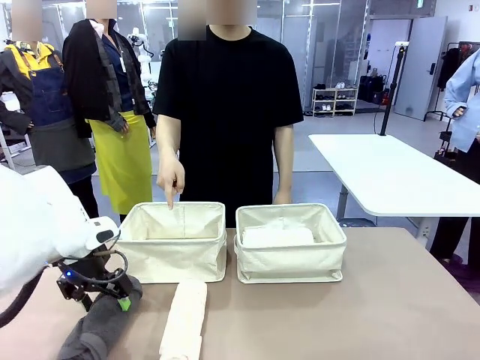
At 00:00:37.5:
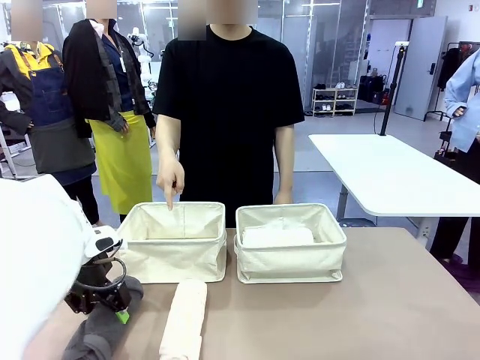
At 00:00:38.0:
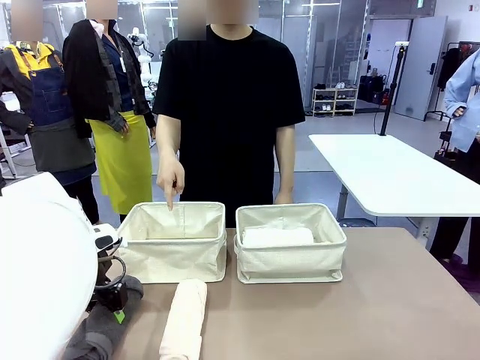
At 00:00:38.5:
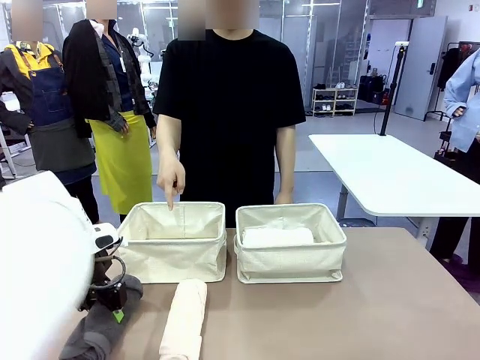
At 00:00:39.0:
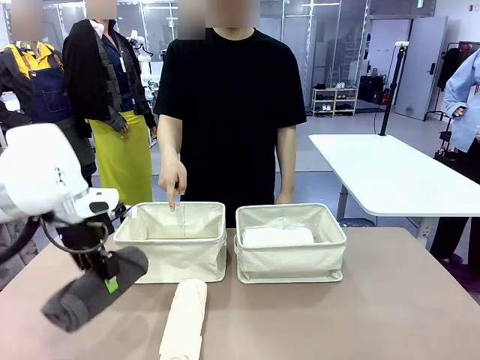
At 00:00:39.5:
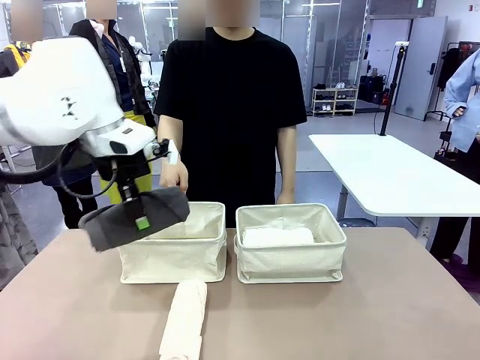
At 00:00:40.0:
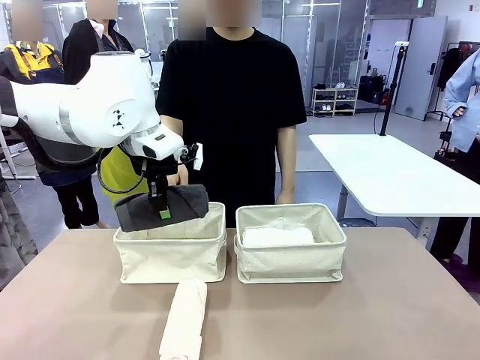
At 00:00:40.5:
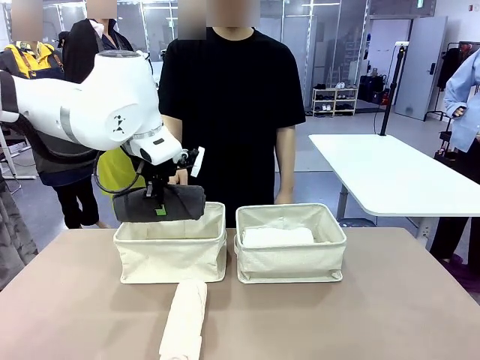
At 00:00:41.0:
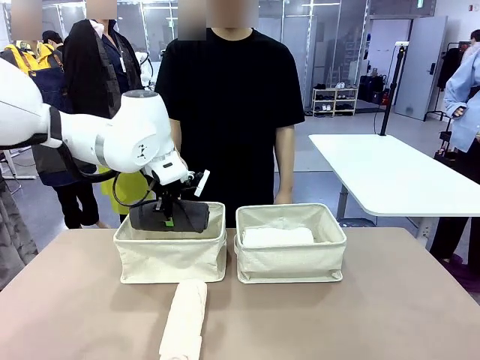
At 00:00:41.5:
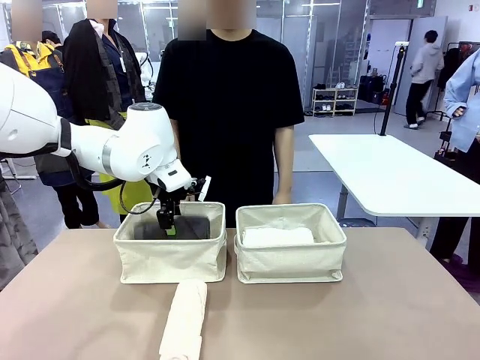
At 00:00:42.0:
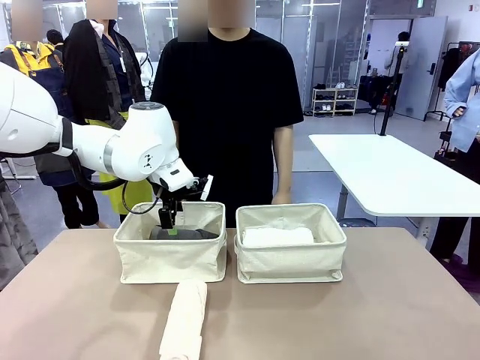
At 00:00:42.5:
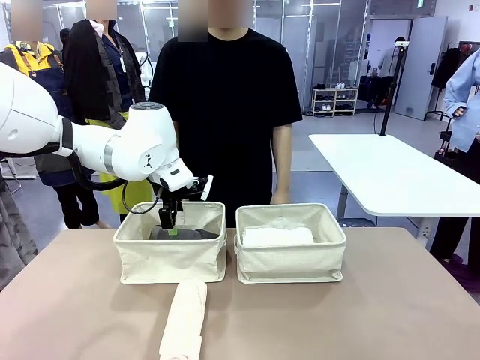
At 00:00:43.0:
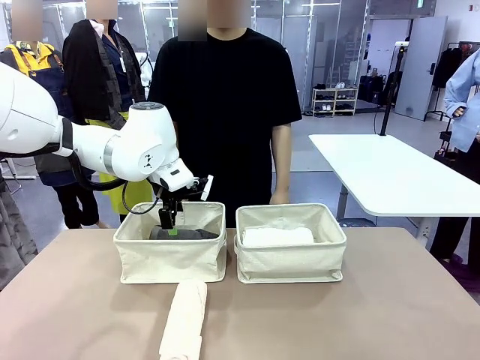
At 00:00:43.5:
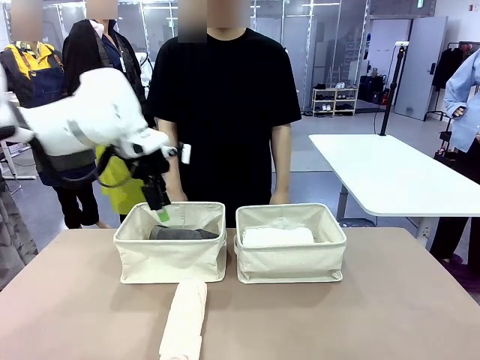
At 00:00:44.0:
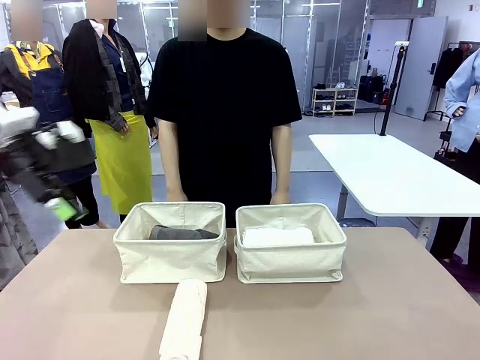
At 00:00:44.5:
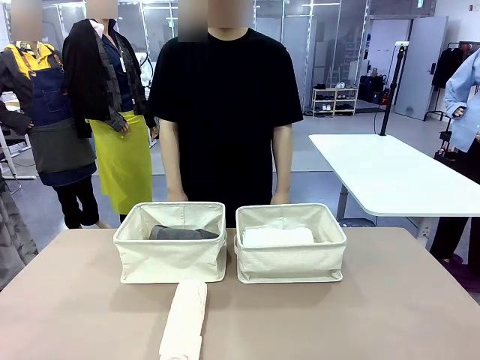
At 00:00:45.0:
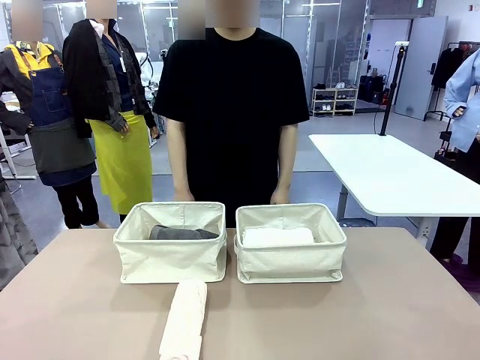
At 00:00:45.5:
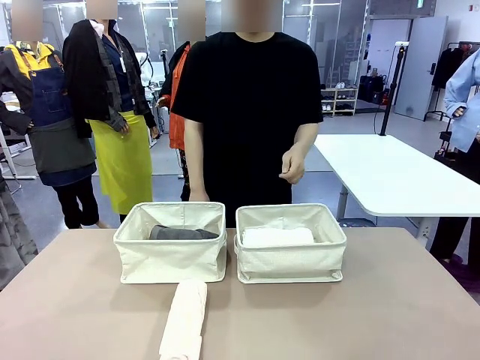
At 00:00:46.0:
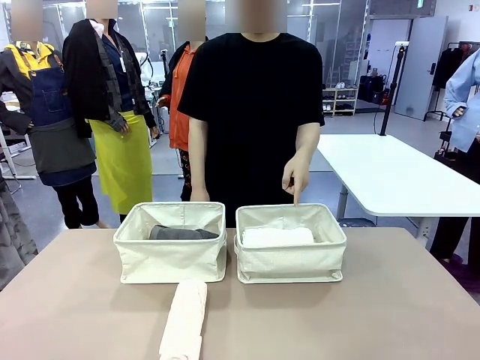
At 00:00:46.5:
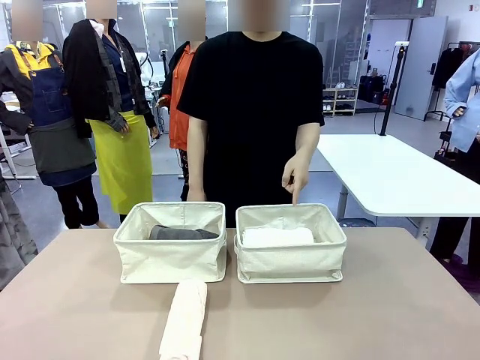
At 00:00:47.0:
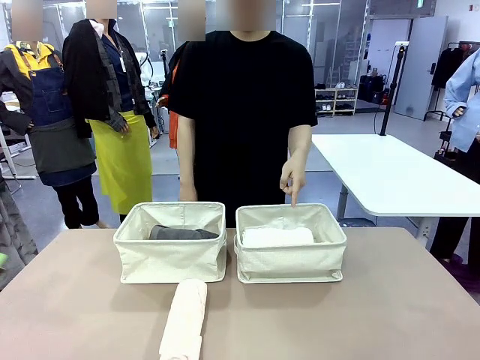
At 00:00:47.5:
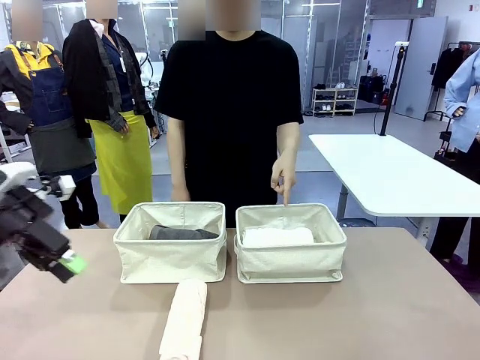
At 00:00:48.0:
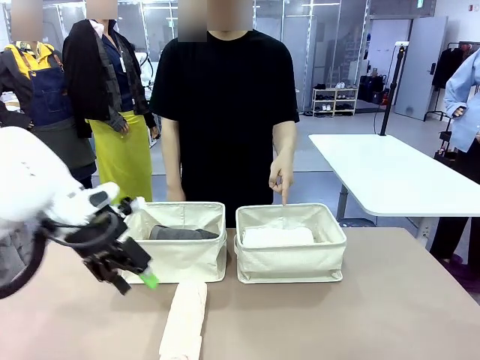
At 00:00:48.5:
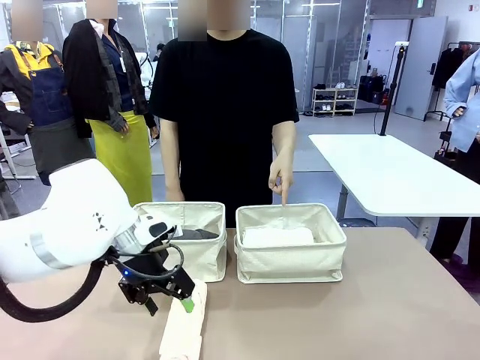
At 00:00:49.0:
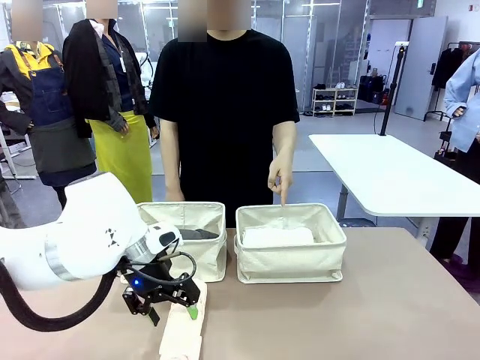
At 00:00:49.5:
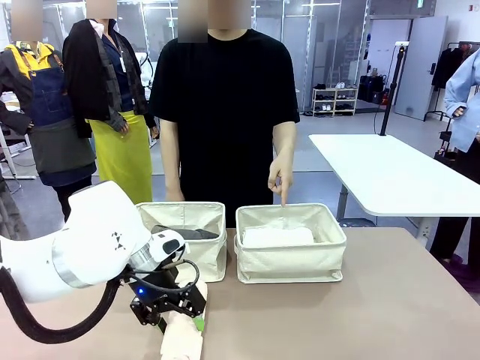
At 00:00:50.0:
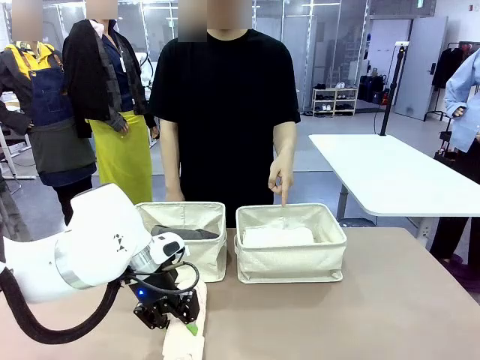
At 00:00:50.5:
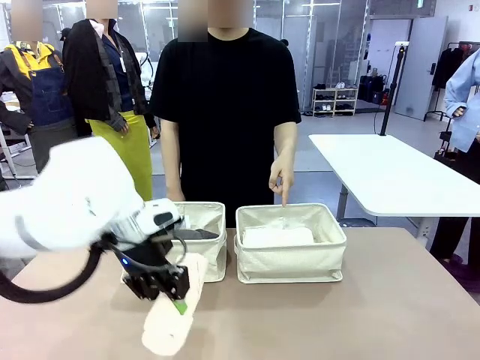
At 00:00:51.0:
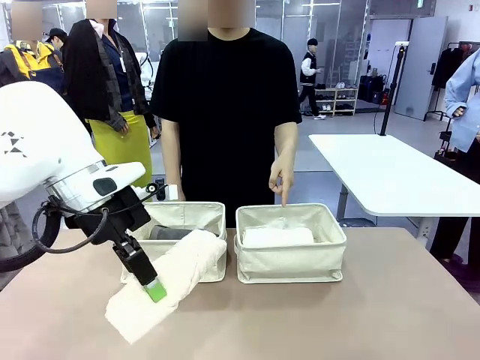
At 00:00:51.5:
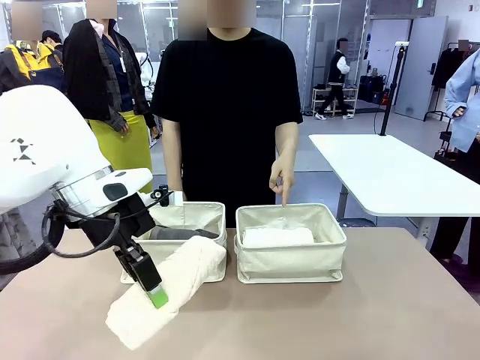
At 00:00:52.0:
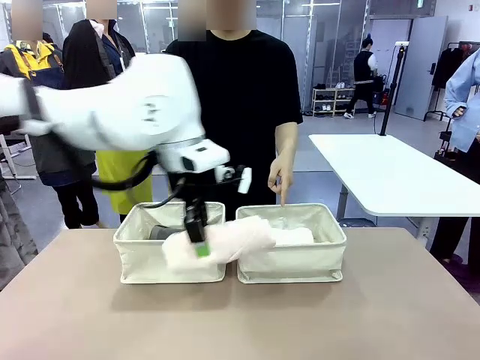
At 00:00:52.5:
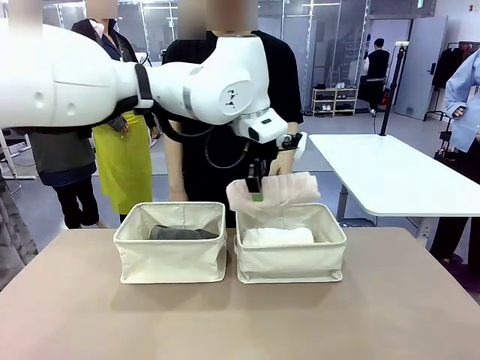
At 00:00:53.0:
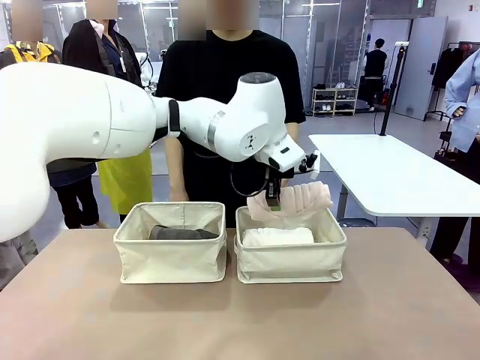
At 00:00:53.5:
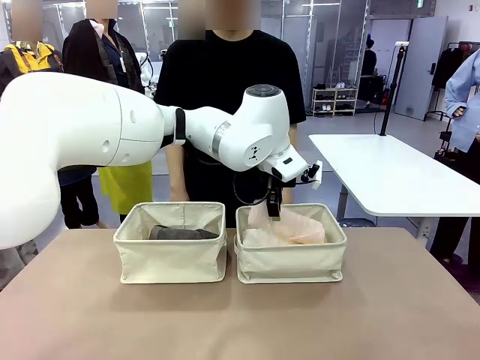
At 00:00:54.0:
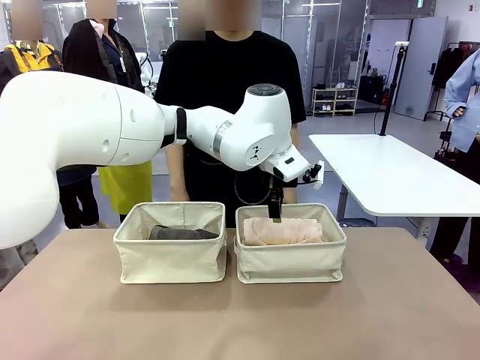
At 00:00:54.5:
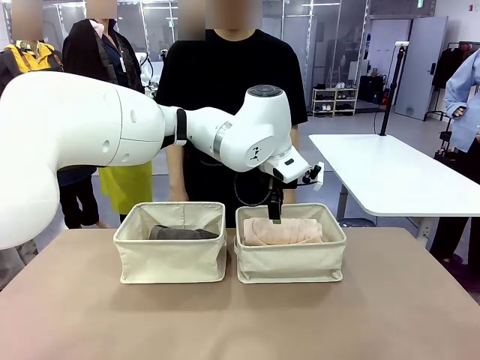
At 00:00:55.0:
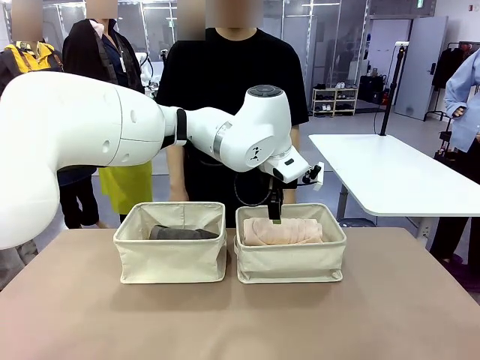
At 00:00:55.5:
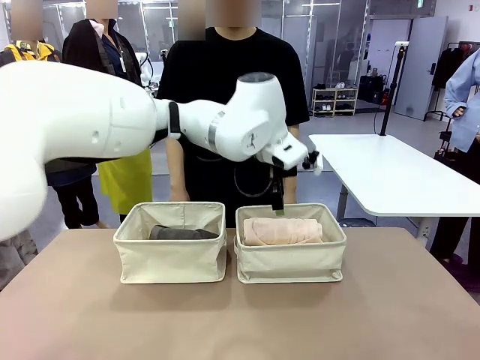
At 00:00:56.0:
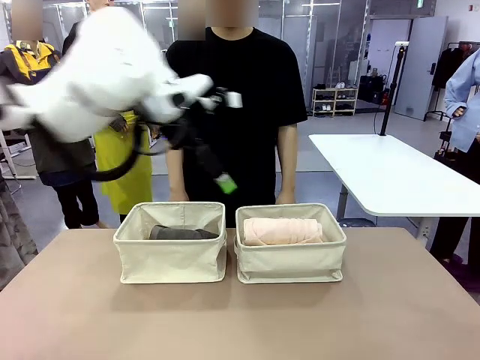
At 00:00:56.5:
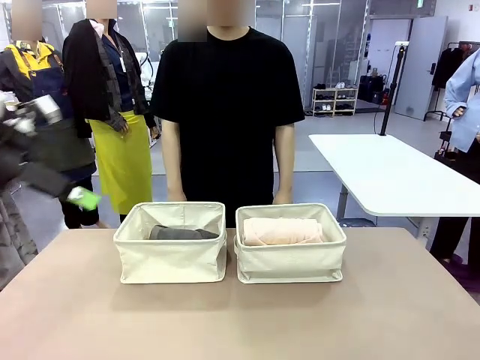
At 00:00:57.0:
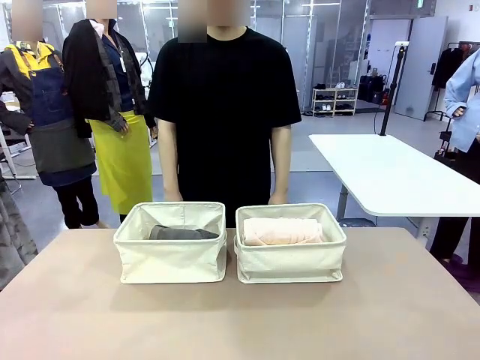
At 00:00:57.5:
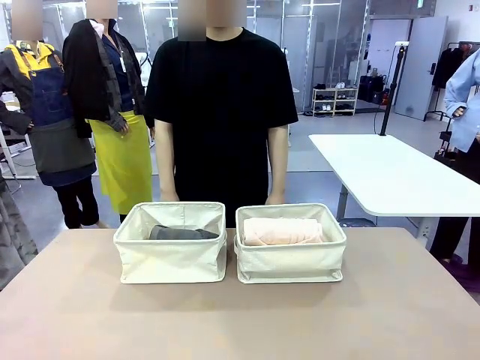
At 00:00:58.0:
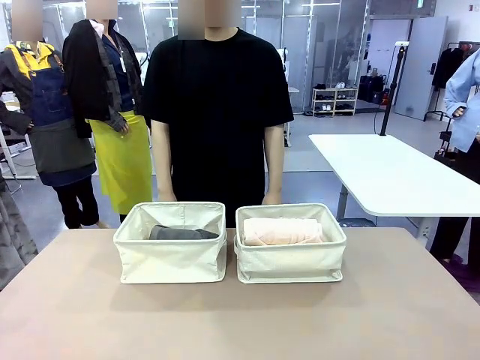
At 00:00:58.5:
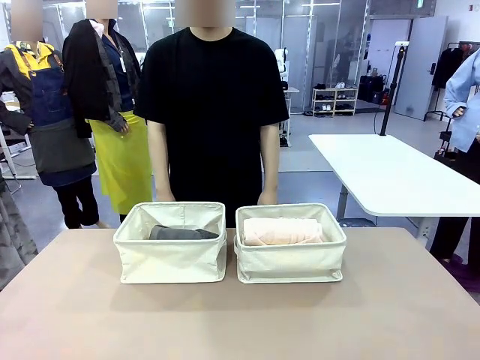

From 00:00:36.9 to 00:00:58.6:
Task: Divide the towels into two baskets.
Robot: Pick up one hotel-folded towel from the bottom of the table and place it in the Fabric basket indicated by the person.
